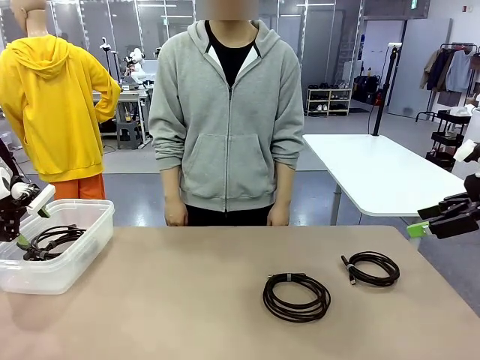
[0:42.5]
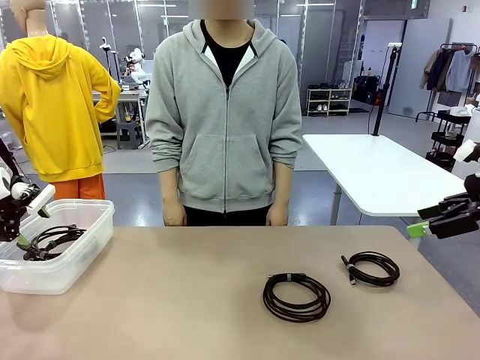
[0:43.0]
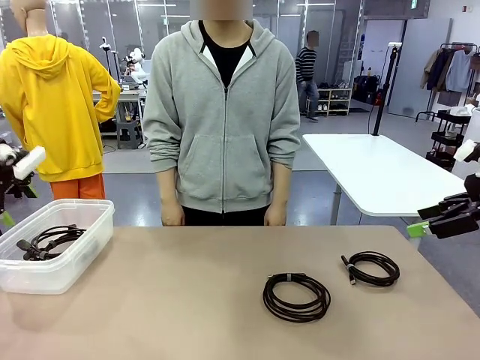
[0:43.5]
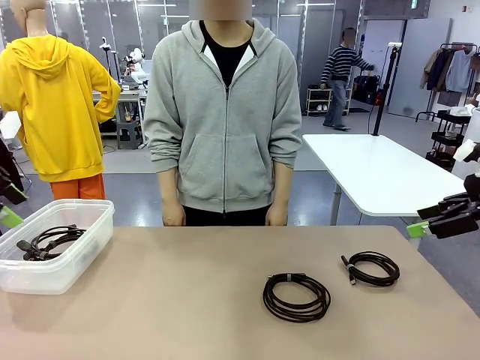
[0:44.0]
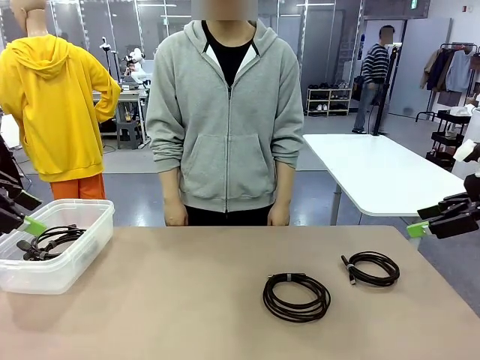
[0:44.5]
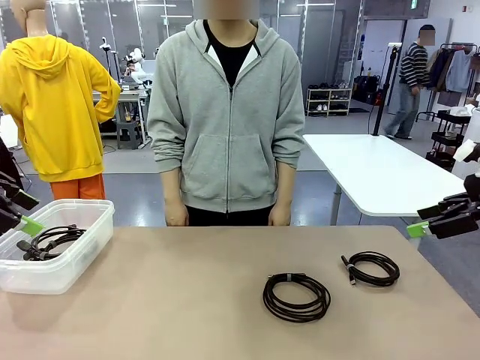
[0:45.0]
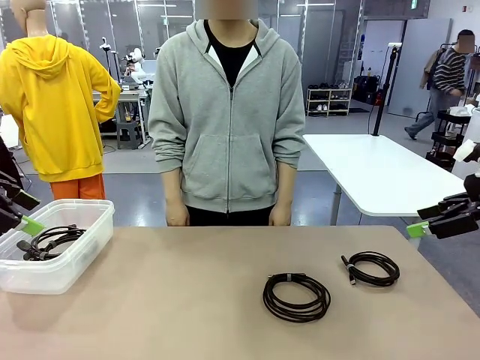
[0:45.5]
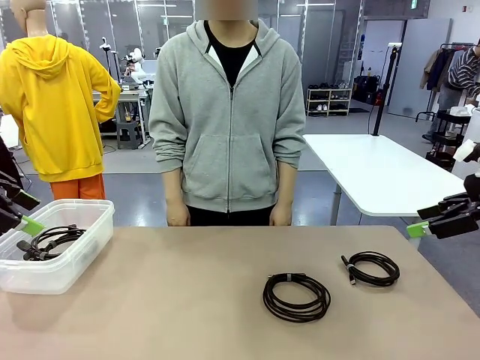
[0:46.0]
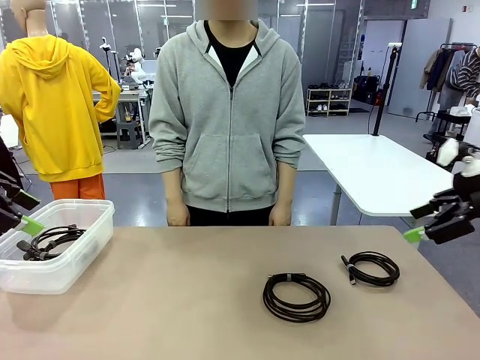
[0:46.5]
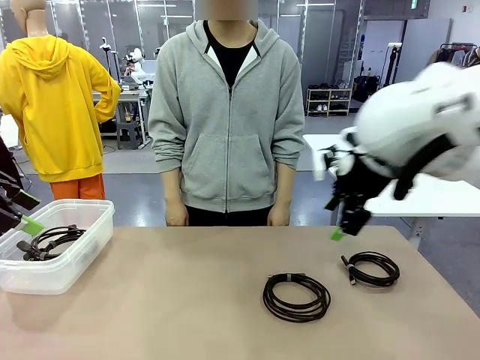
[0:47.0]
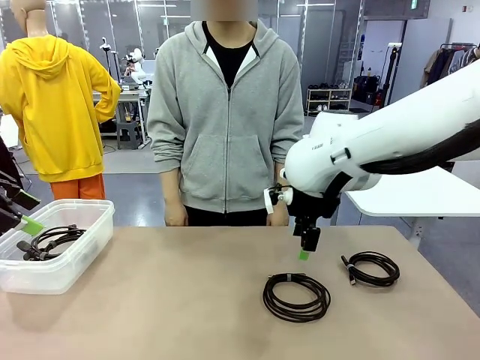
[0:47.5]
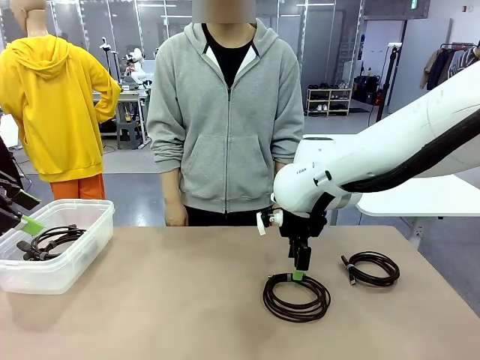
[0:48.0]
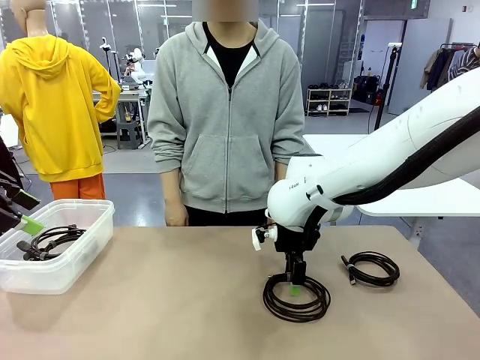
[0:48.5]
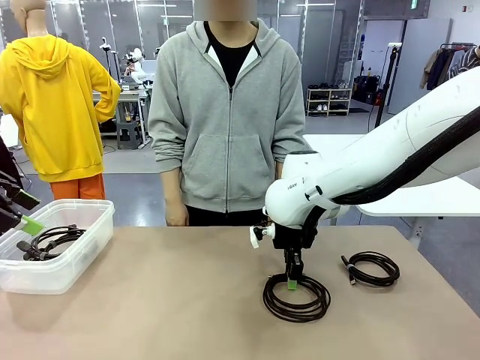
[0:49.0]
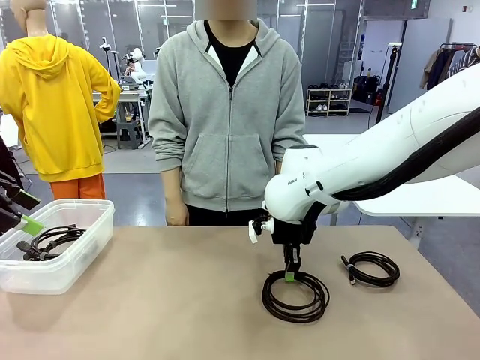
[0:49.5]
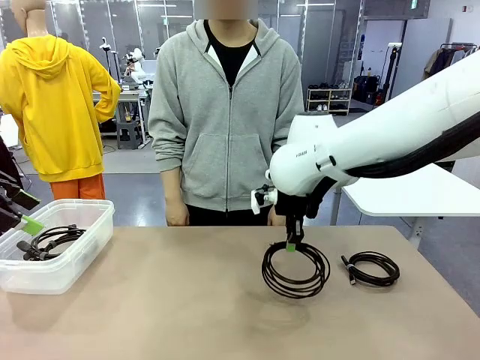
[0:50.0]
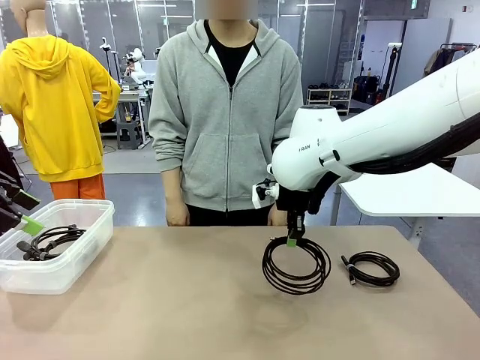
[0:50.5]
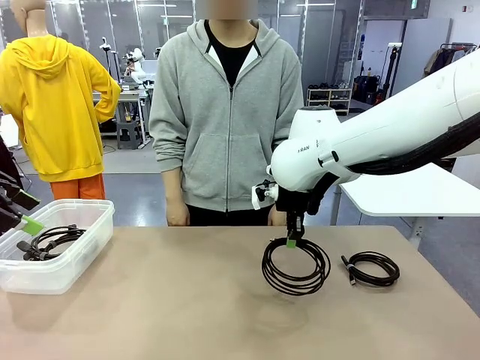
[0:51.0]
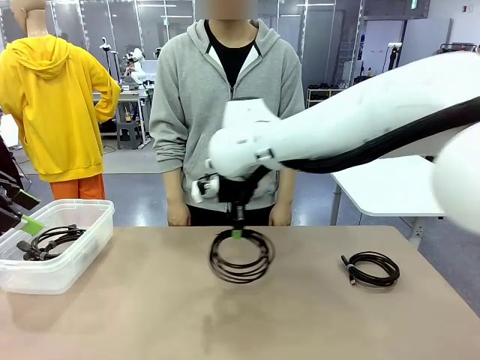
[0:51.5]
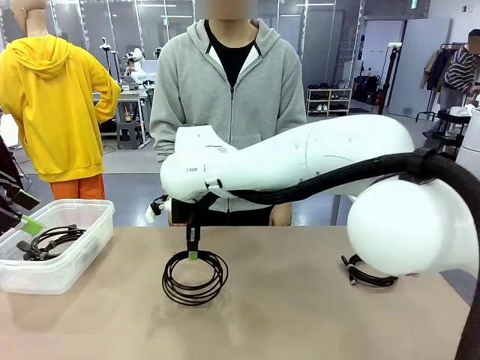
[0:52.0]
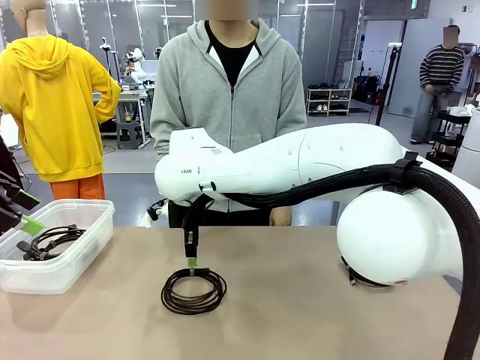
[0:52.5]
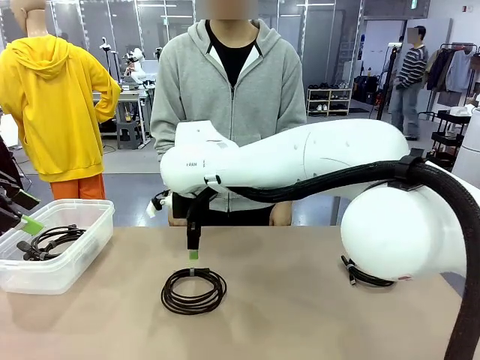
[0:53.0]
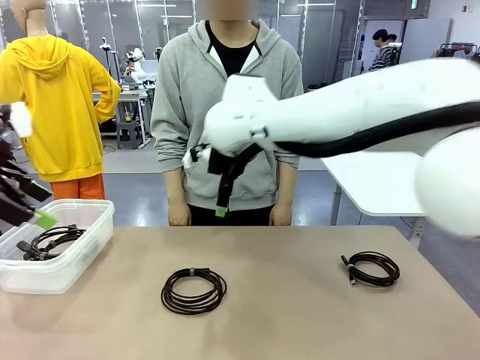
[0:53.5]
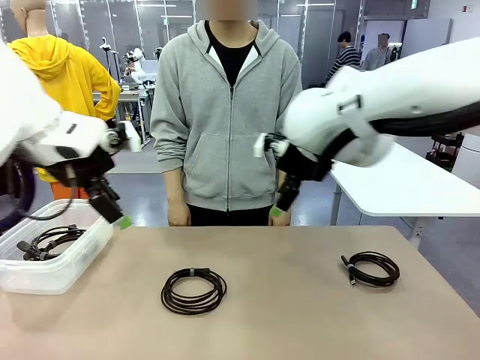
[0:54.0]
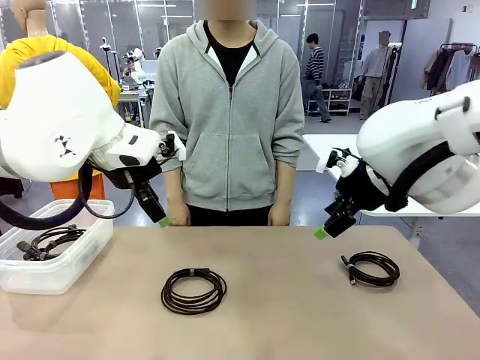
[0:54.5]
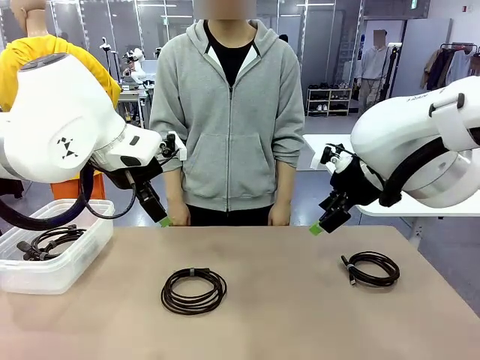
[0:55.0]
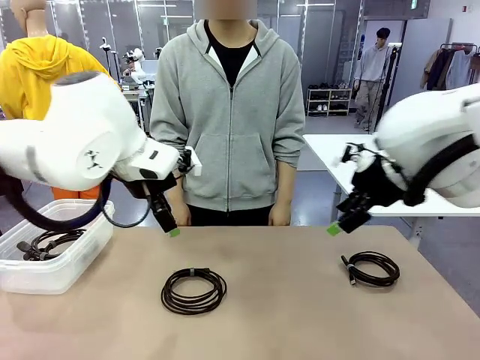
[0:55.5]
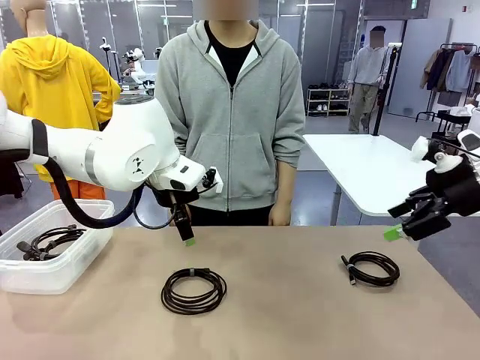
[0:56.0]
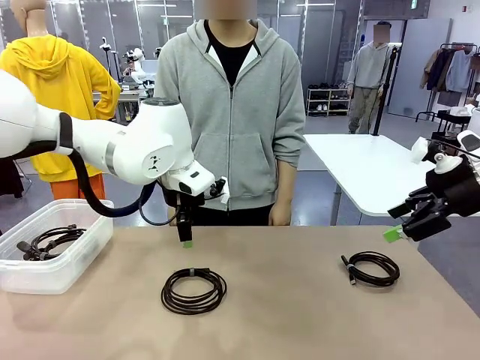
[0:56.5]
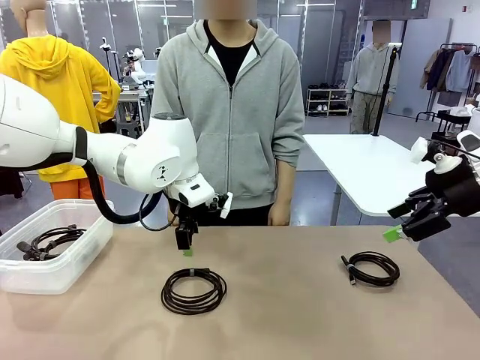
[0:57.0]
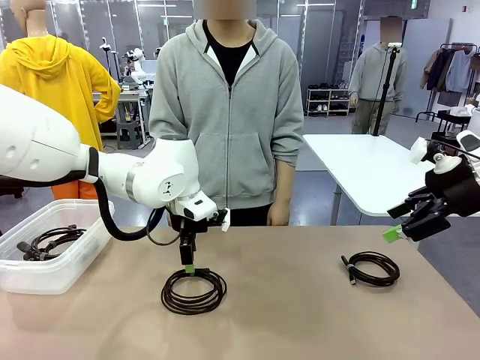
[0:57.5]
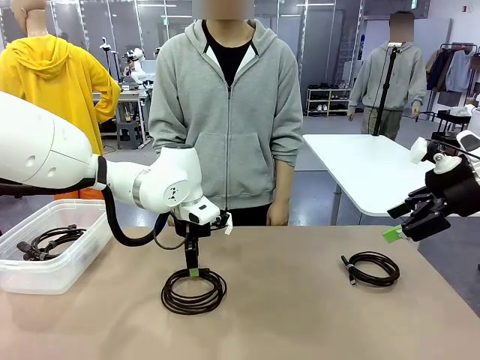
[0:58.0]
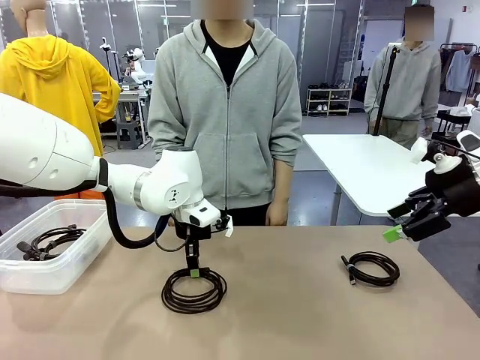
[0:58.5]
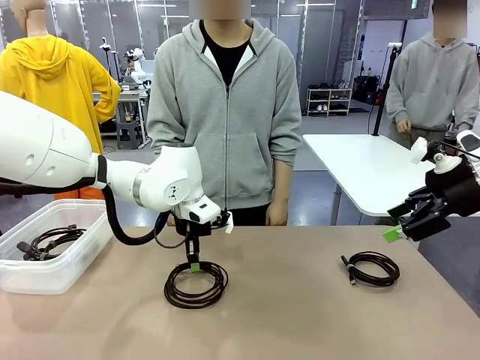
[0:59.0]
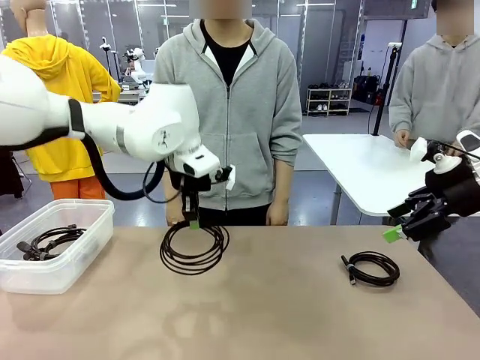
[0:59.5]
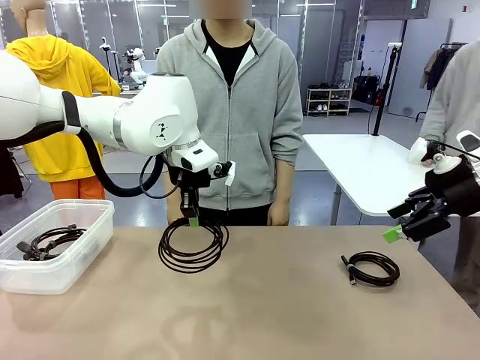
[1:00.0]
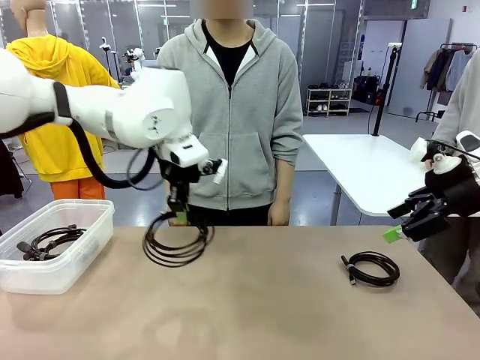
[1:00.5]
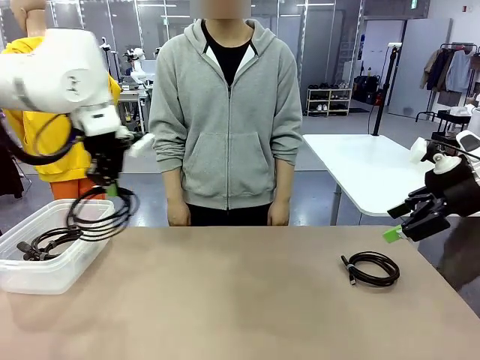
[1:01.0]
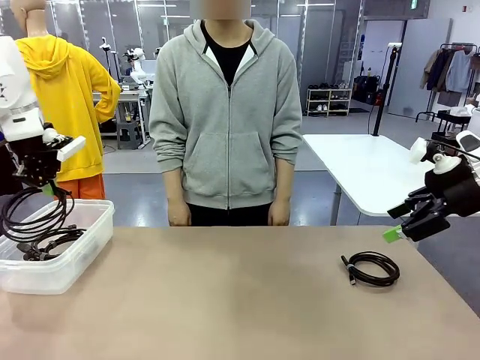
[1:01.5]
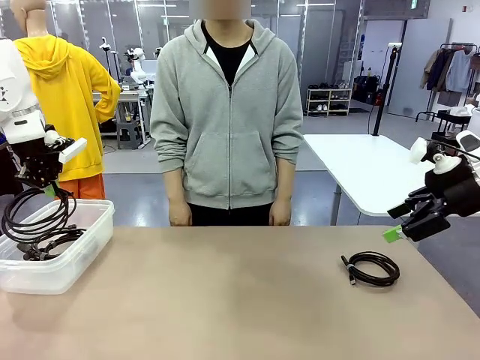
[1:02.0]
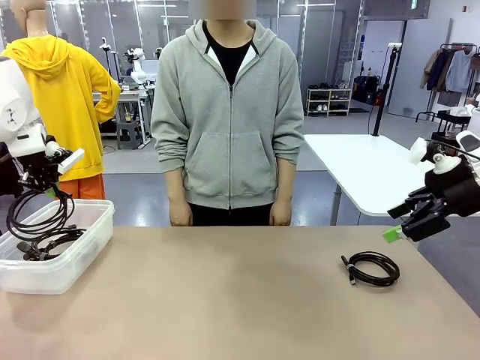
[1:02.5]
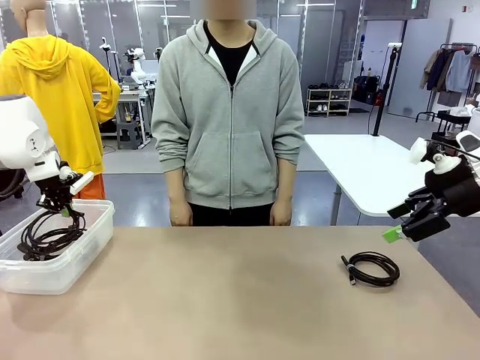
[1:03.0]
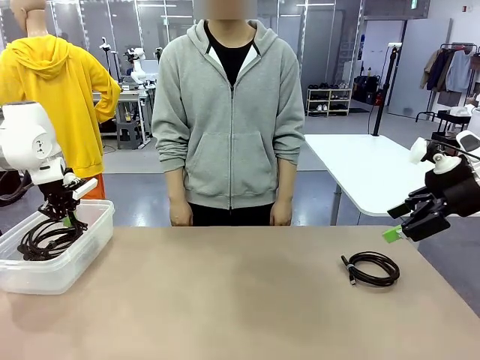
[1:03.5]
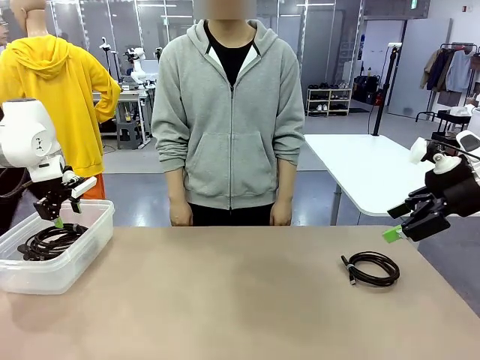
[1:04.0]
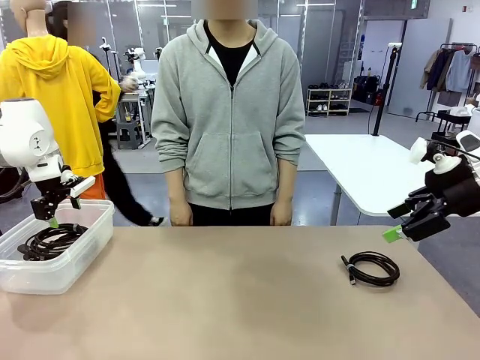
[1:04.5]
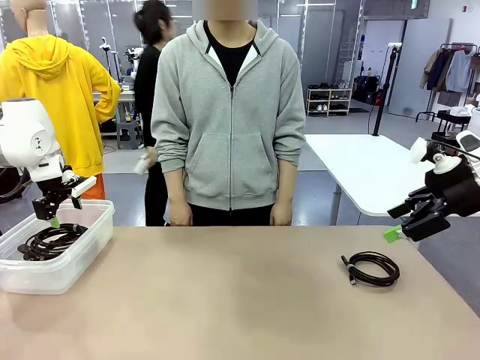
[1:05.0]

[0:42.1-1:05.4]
Task: Organize and store the cables.
Robot: Place the USB Extension Cable into the Organizing box.

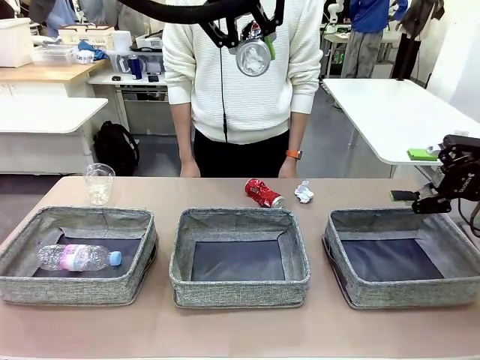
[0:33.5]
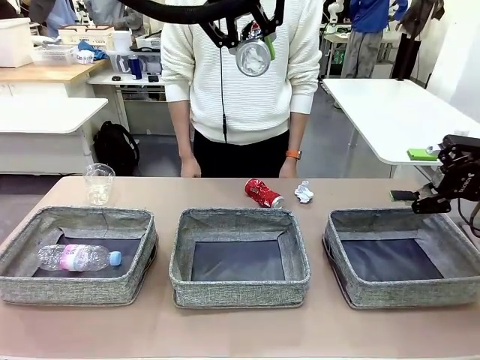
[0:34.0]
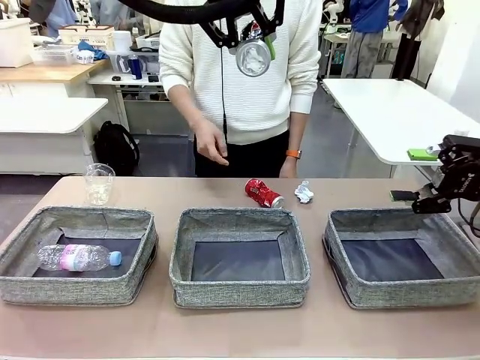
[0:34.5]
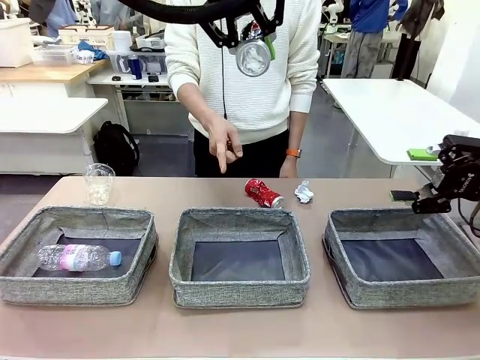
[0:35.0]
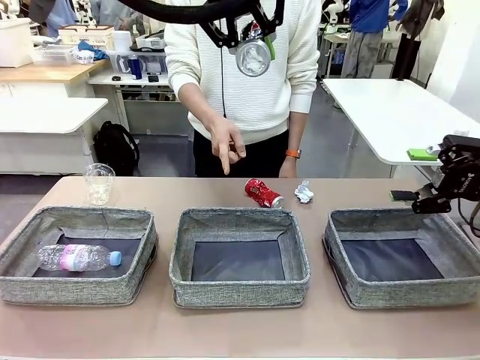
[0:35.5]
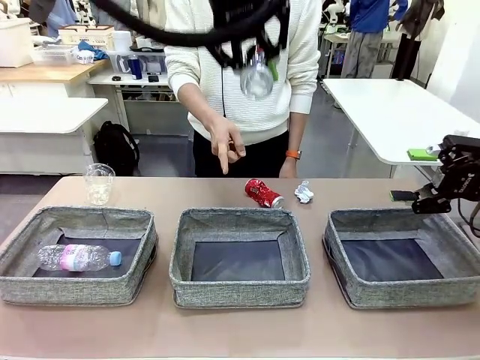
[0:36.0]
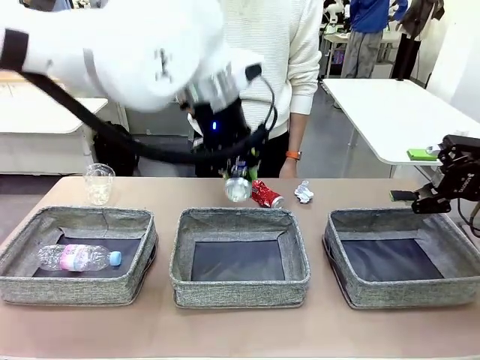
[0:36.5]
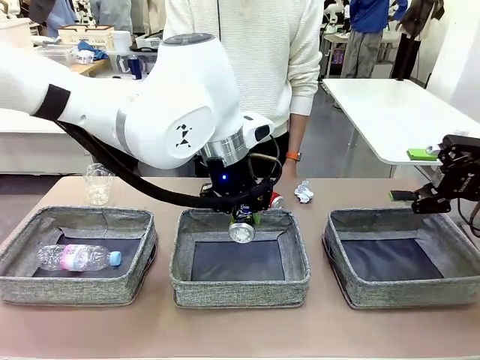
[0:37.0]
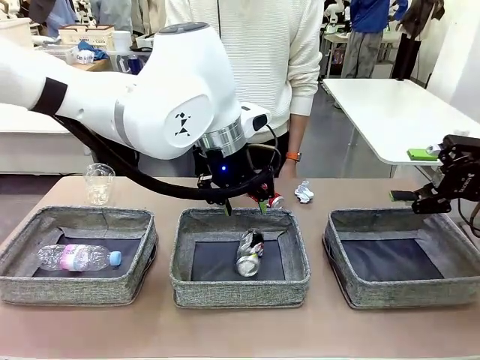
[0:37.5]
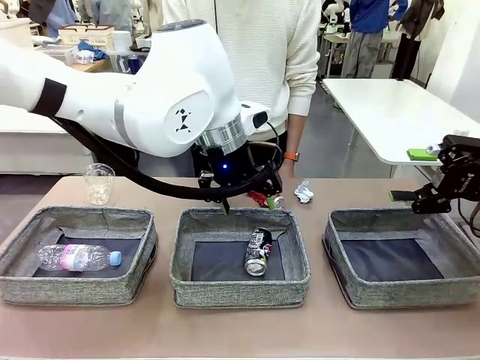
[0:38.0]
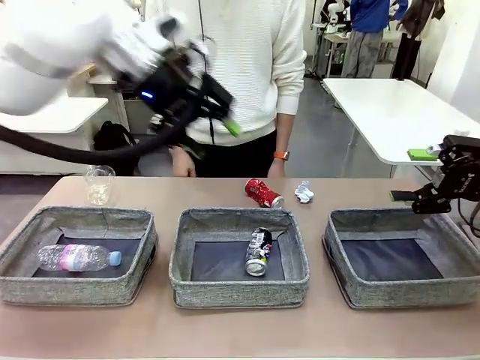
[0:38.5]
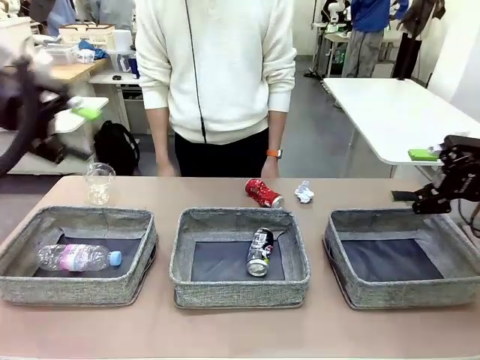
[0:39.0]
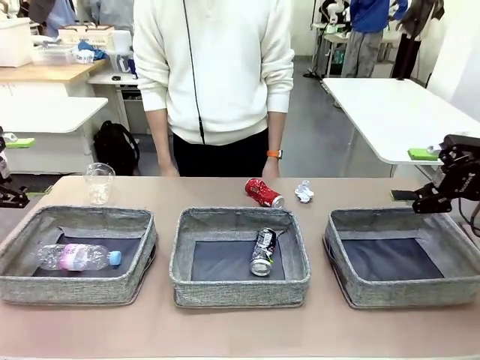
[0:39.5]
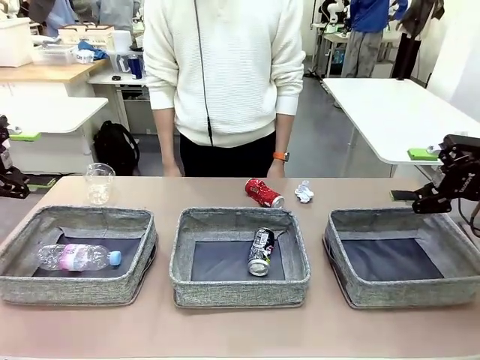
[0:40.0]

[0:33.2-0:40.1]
Task: Sort the waste into the appropriate baskets.
Robot: Place the picked waste into the Fabric basket indicated by the person.
Person: Instructs the robot to place the picked-up trash into the appropriate organizing basket.
